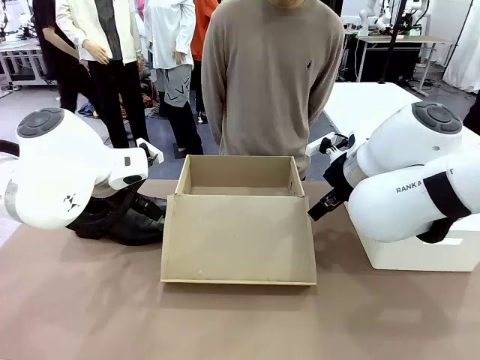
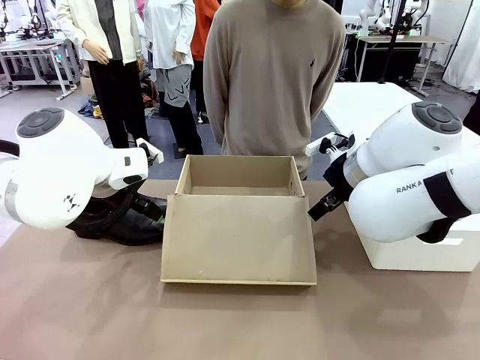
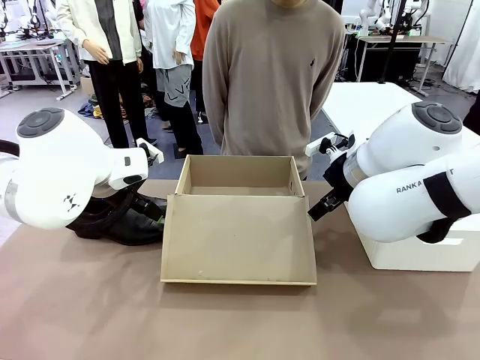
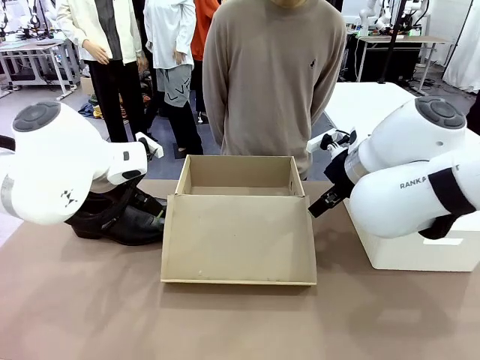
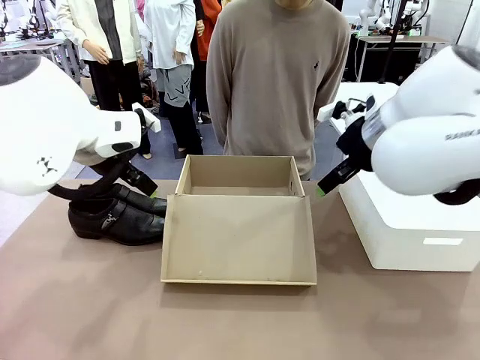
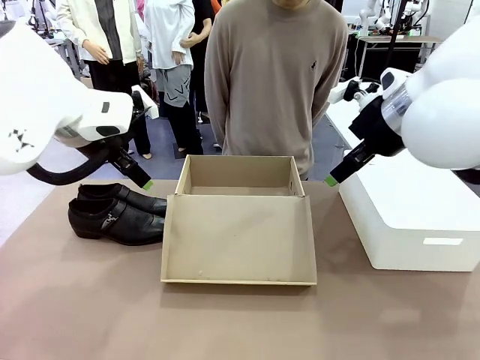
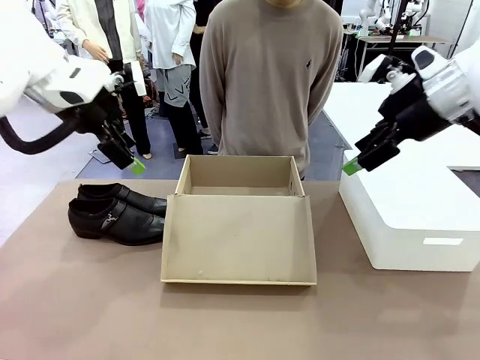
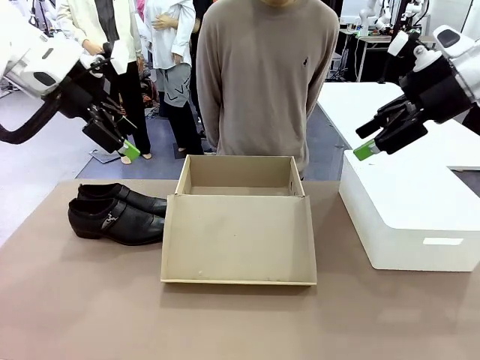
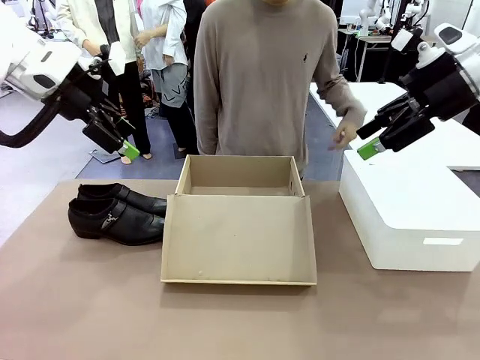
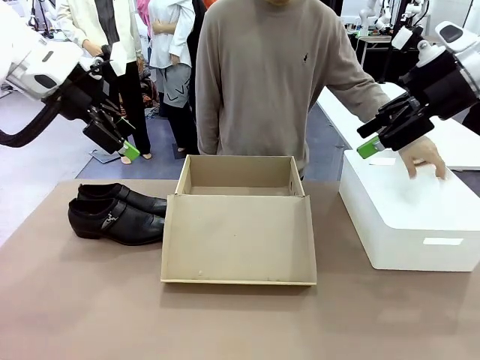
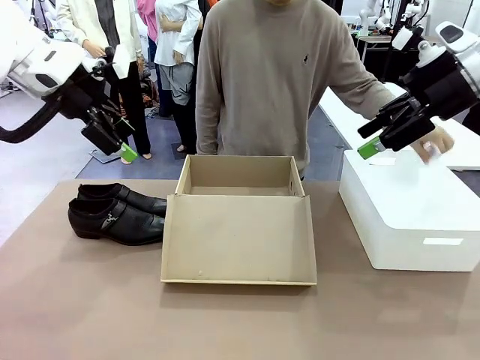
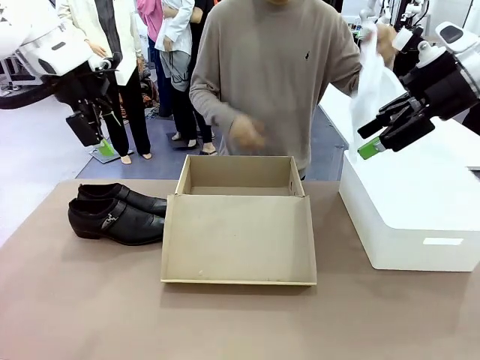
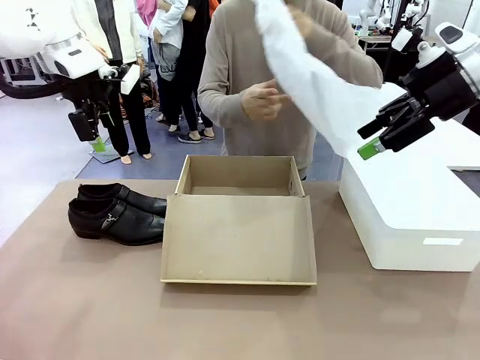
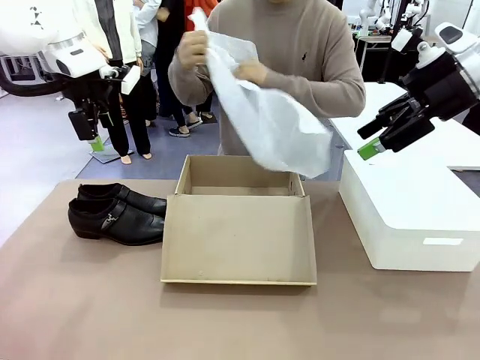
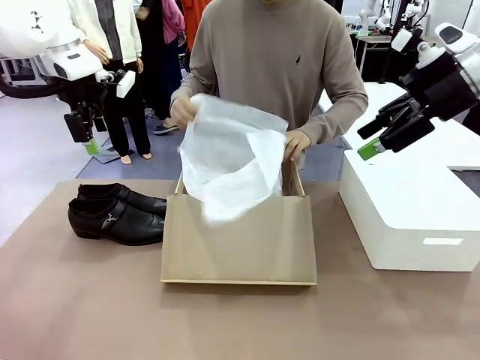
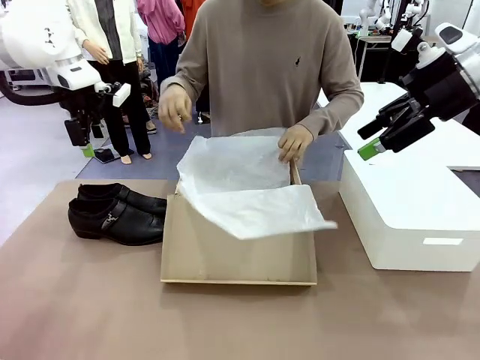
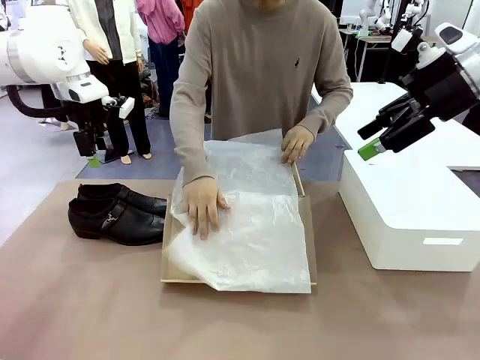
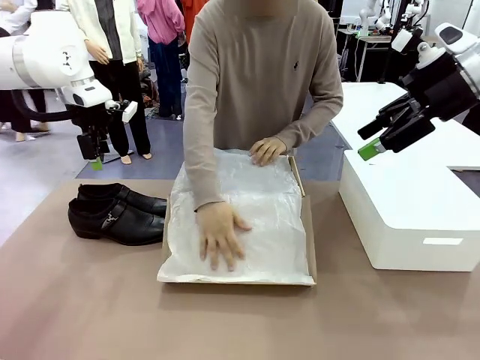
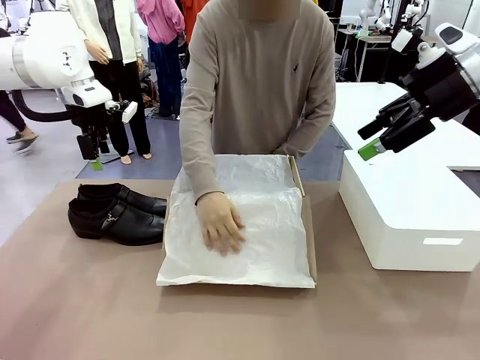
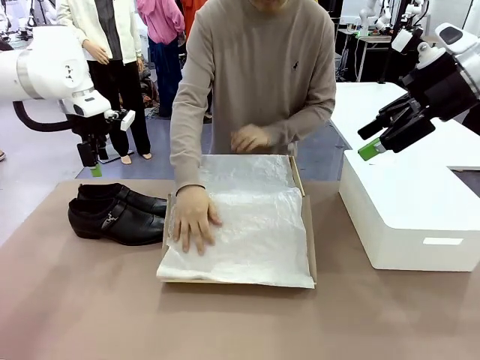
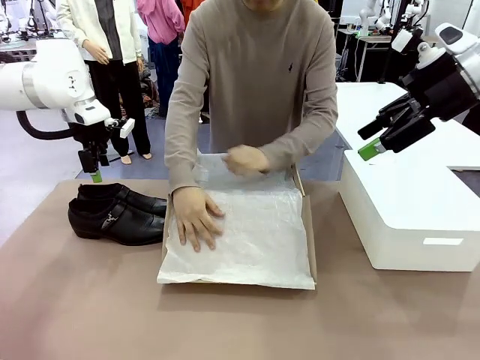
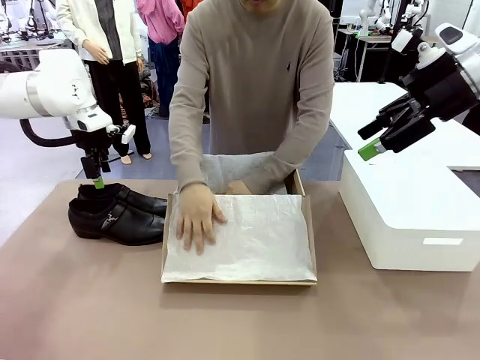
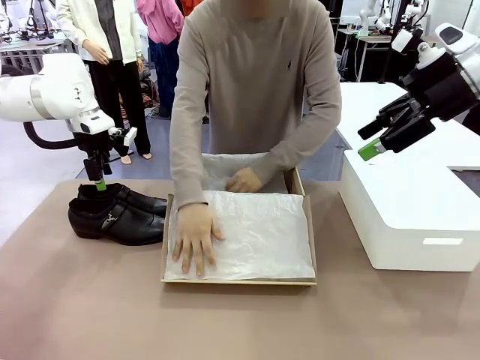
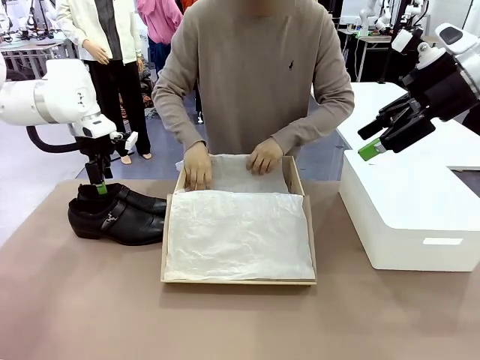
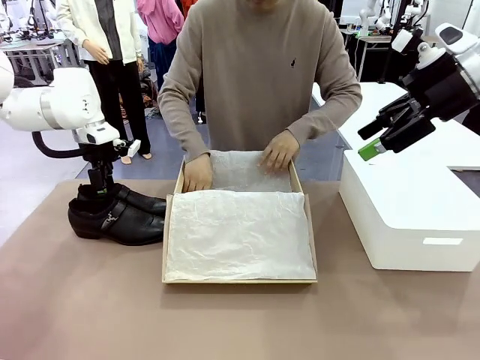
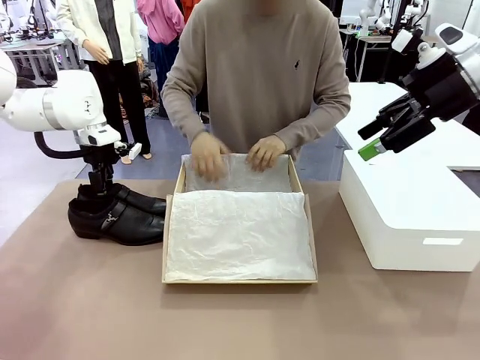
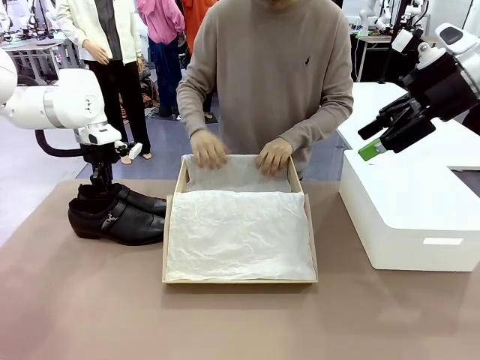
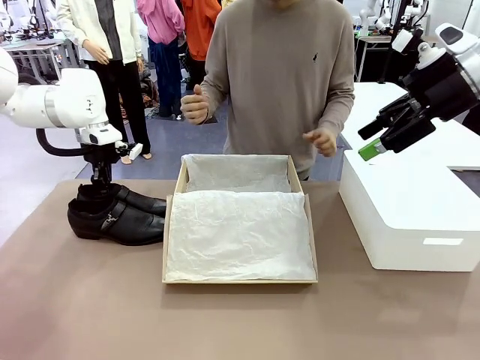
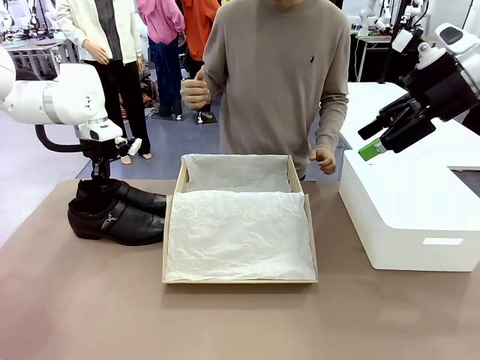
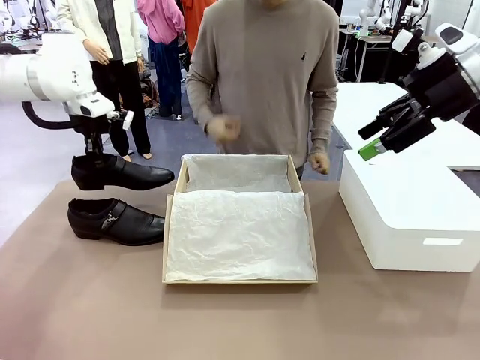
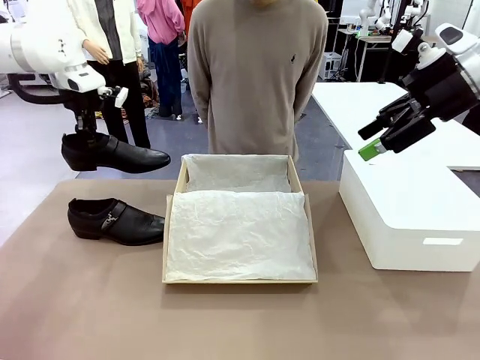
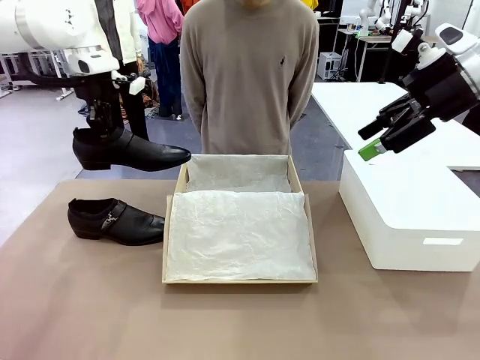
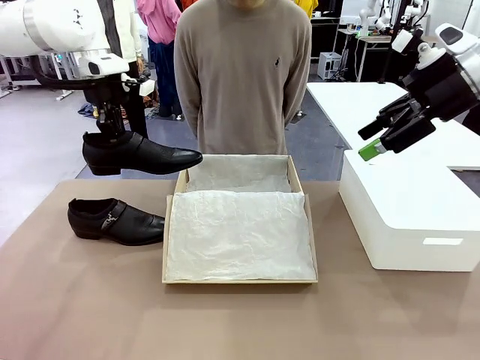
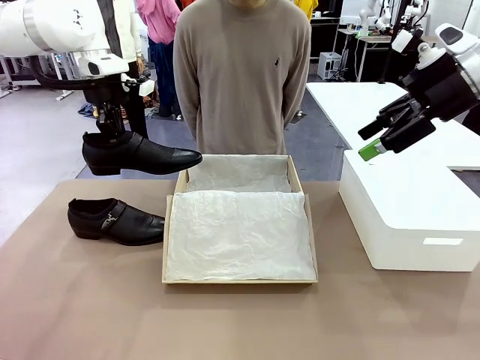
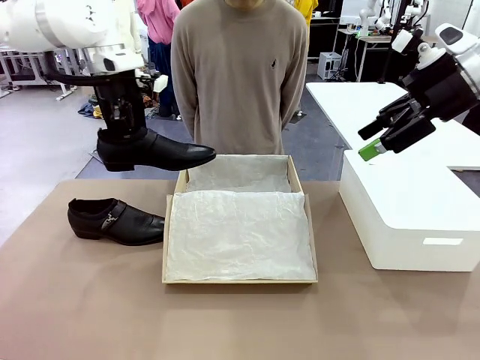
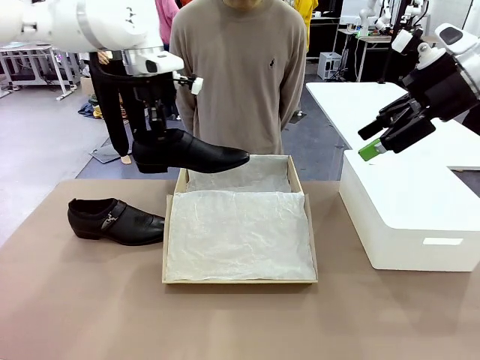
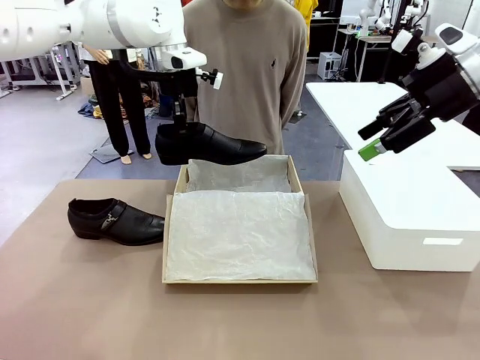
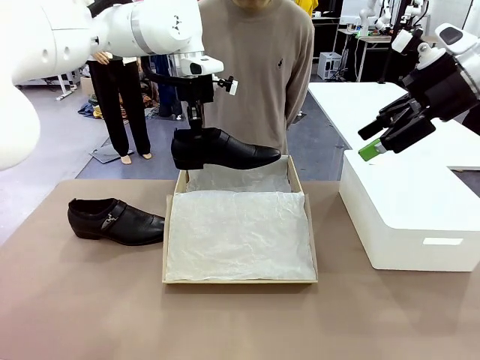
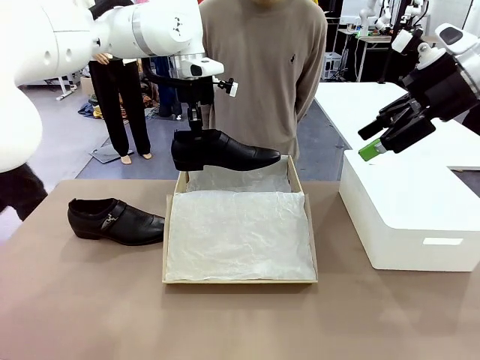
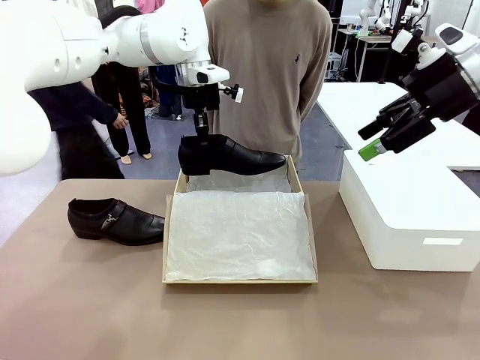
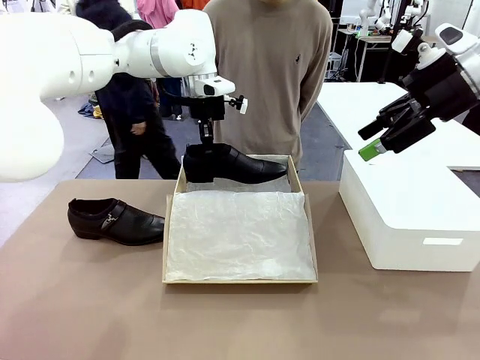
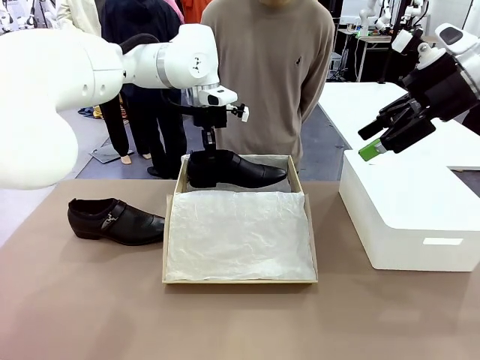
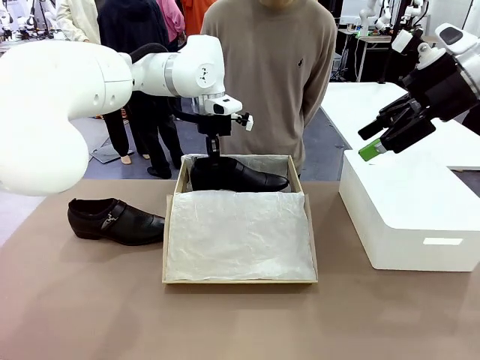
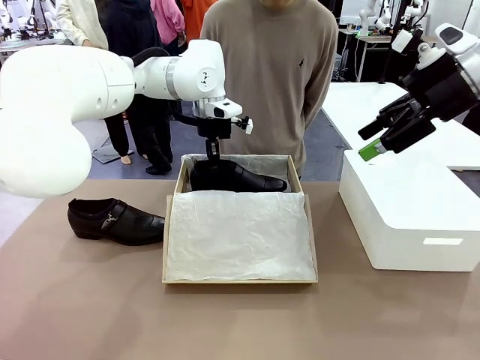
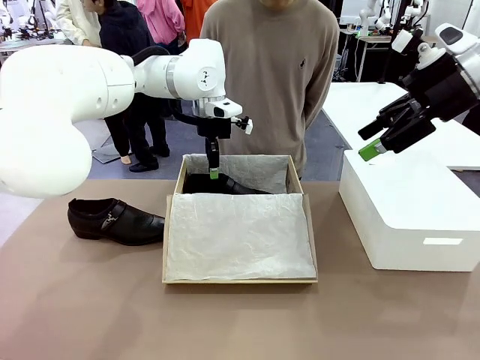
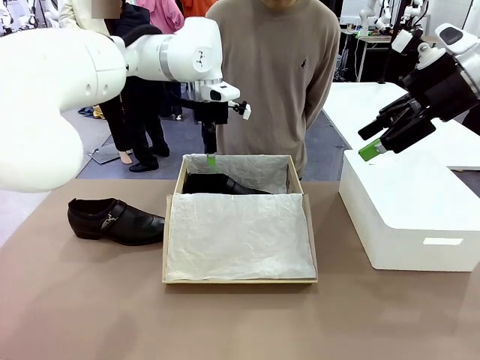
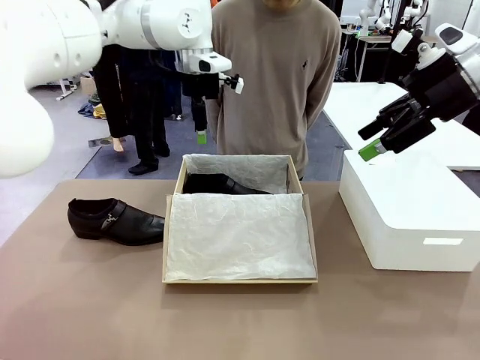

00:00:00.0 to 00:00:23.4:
Task: Pack the shoes into the box.
Robot: Place one shoe of the Shoes into the Shoes Box.
Person: Spread Shoes Wrapping Paper and place inside the Shoes Box.
